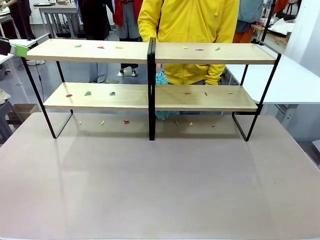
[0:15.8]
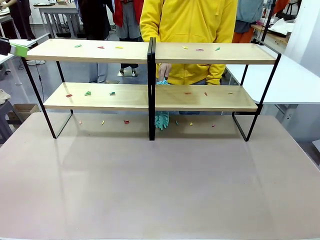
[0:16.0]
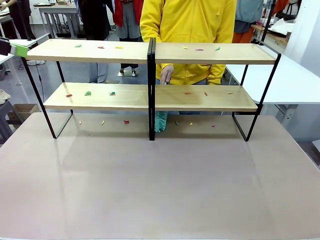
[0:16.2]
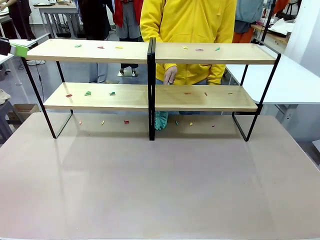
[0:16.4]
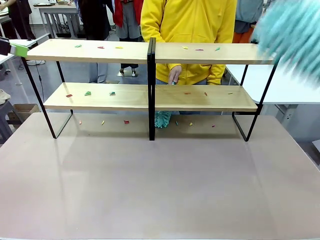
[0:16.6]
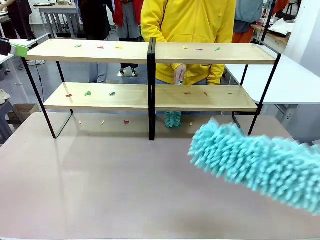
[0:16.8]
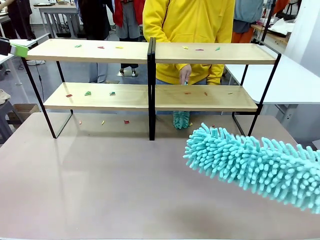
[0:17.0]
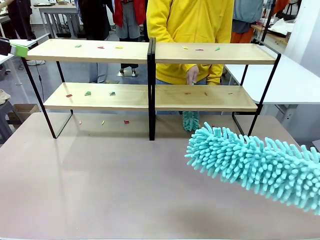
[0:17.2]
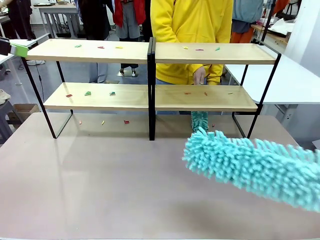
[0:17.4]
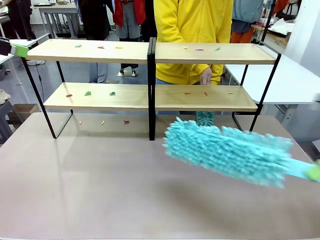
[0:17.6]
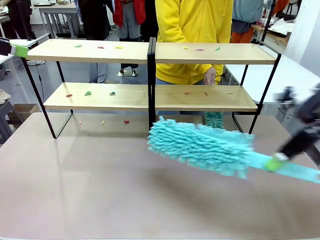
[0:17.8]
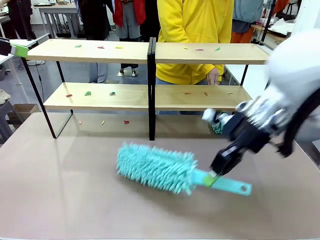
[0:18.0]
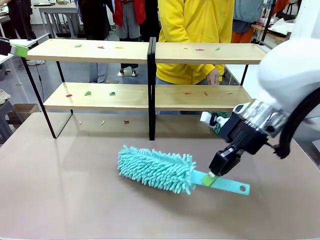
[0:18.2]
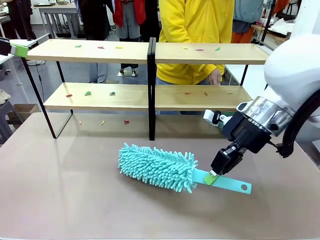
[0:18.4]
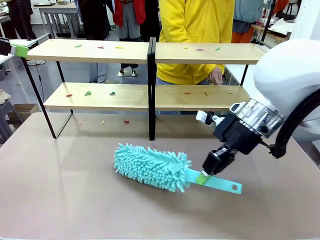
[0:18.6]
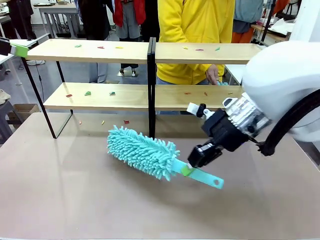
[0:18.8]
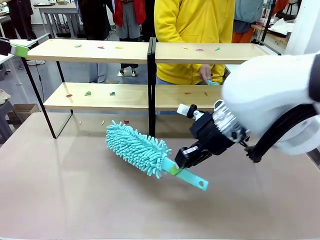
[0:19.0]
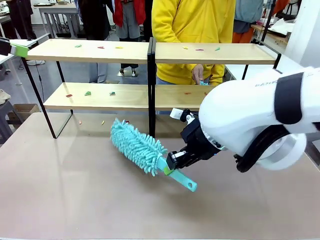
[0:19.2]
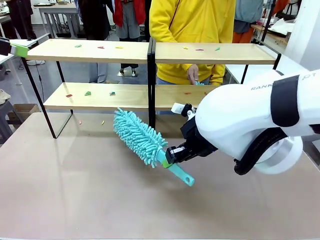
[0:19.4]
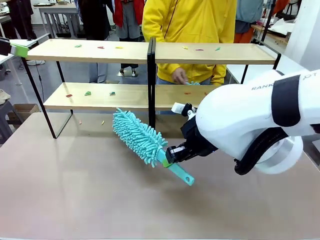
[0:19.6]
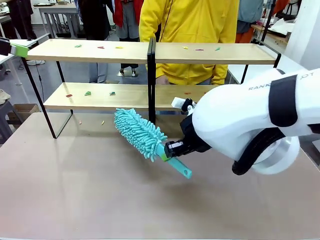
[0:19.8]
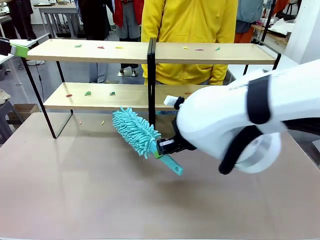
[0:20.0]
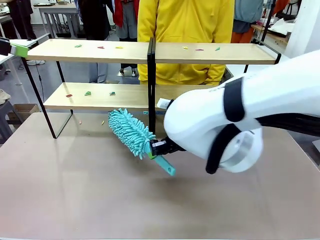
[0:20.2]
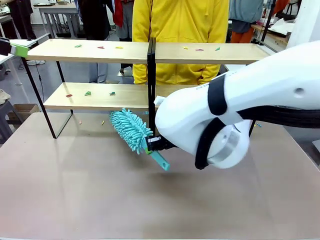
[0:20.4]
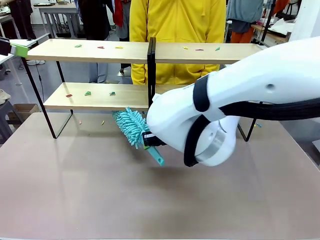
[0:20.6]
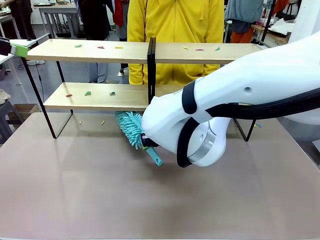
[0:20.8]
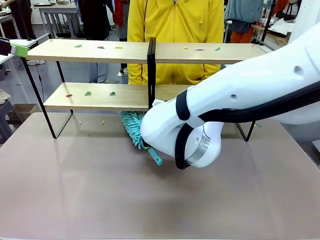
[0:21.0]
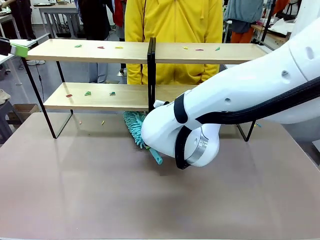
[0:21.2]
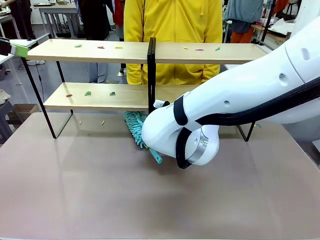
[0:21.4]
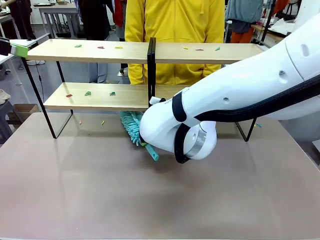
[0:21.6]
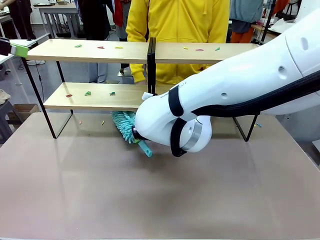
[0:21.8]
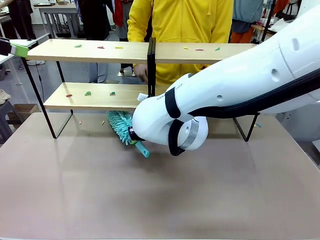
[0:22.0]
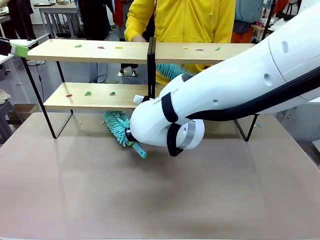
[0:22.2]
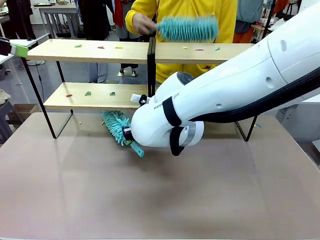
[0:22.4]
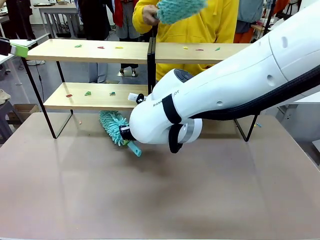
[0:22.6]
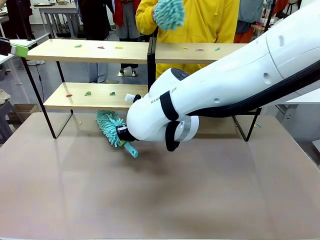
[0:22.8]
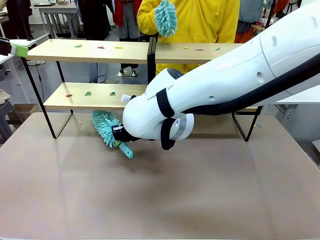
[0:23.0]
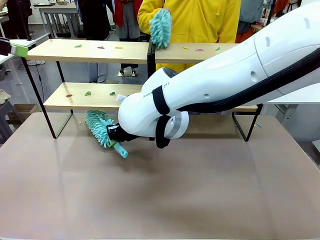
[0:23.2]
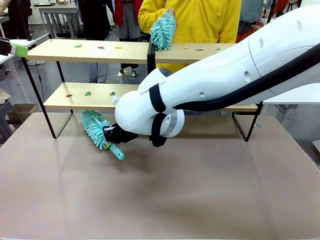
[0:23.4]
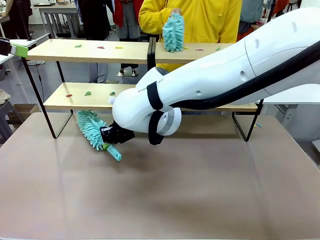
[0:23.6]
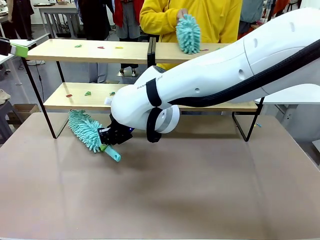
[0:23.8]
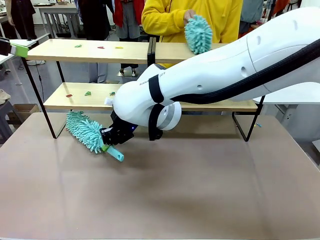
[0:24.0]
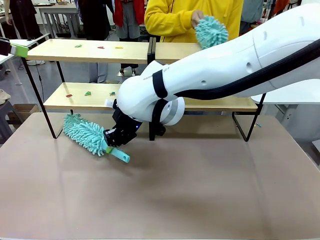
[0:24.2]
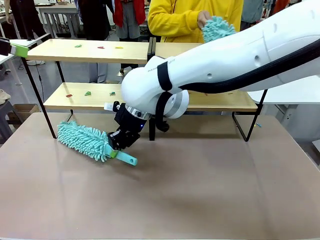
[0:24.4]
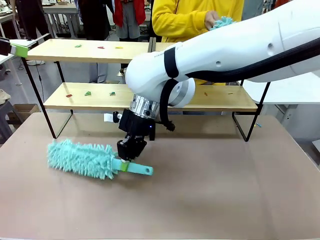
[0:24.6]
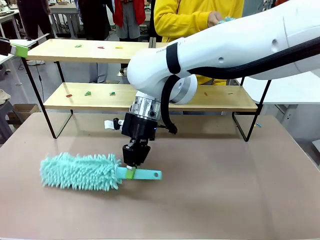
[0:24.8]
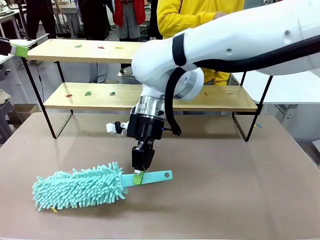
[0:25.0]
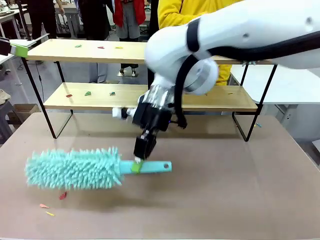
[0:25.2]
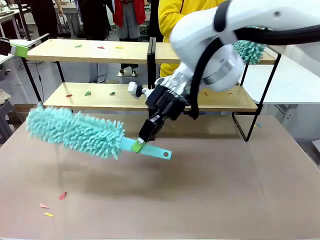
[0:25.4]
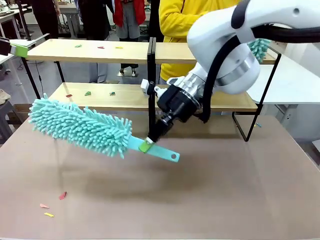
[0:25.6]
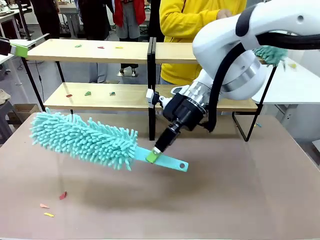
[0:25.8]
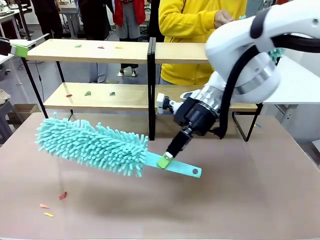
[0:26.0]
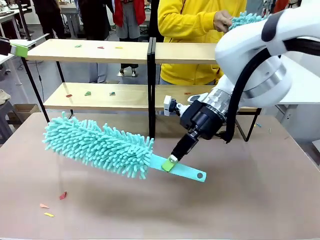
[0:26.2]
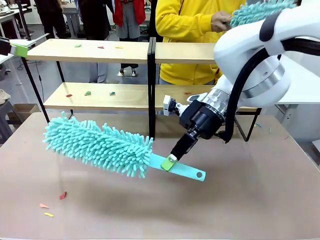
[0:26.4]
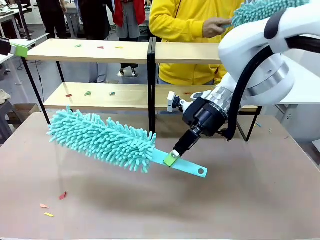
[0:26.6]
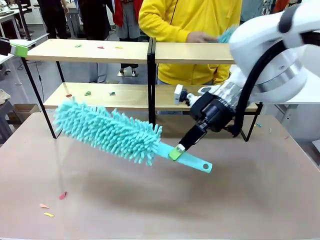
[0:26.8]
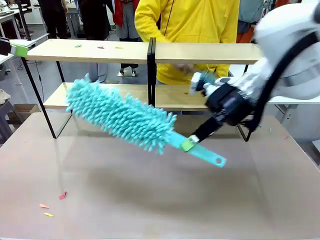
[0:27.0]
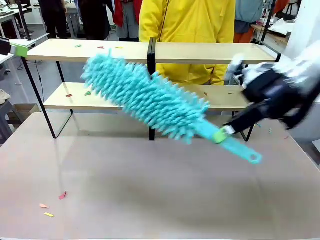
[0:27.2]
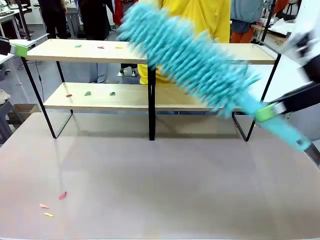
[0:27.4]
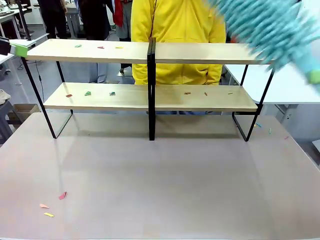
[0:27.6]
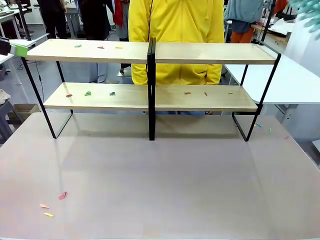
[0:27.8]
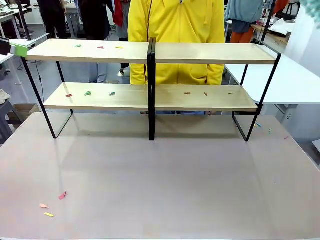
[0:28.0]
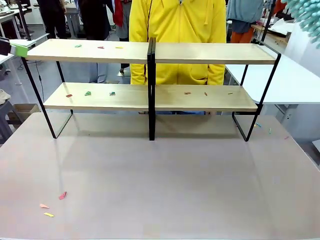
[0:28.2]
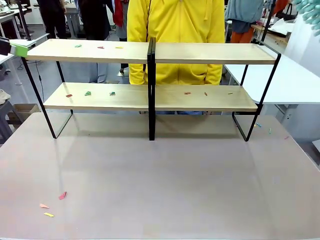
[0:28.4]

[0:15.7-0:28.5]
Task: Clean the shelves.
Robot: Clean a randomly selected level of the Shelf with the Duster.

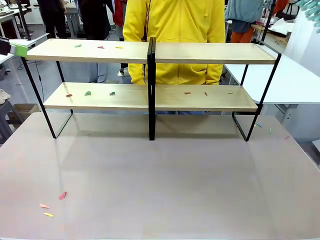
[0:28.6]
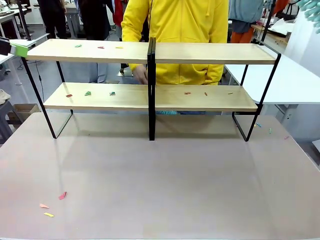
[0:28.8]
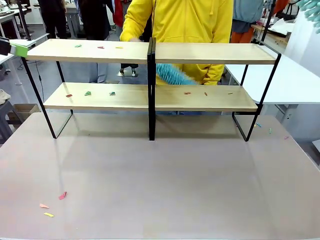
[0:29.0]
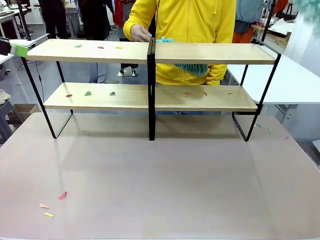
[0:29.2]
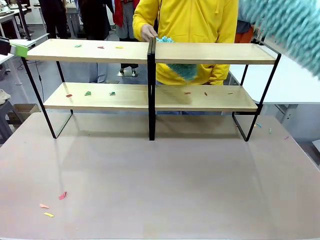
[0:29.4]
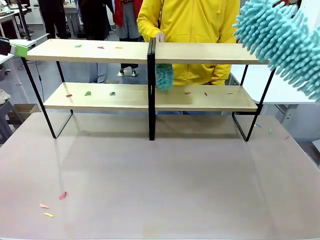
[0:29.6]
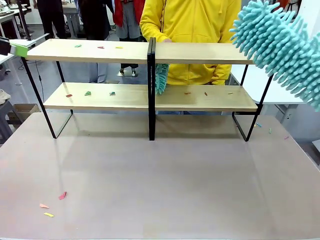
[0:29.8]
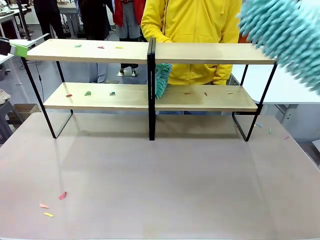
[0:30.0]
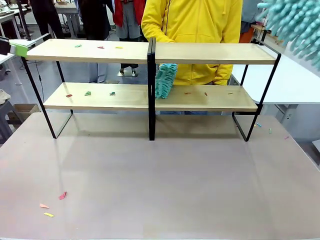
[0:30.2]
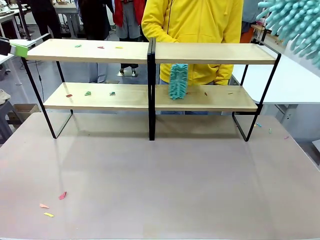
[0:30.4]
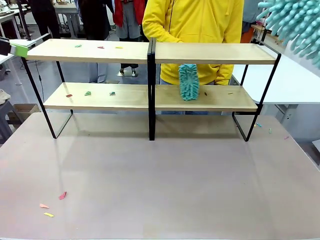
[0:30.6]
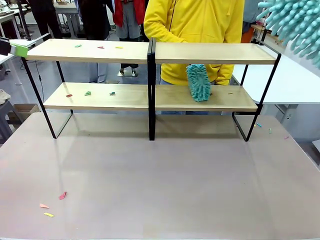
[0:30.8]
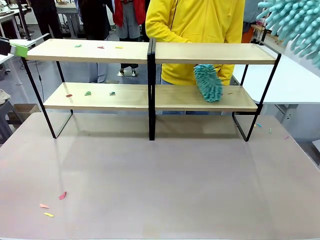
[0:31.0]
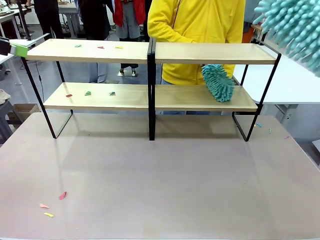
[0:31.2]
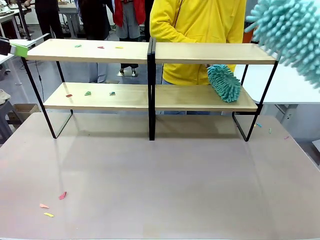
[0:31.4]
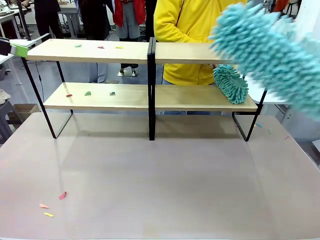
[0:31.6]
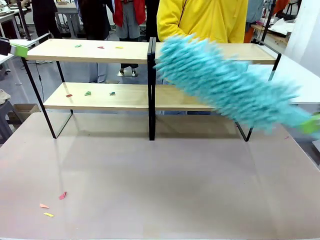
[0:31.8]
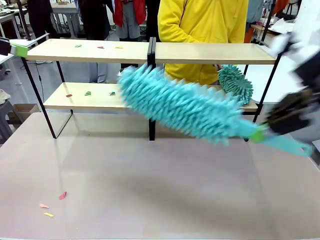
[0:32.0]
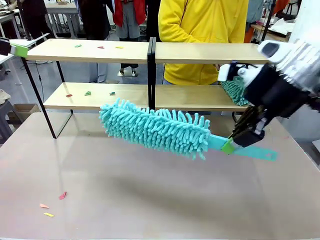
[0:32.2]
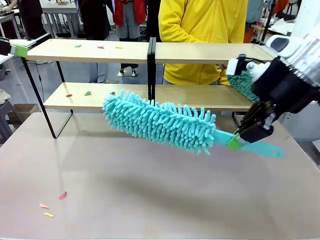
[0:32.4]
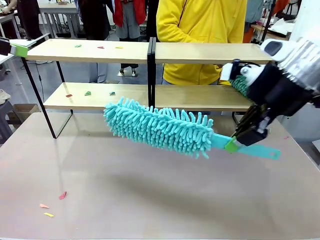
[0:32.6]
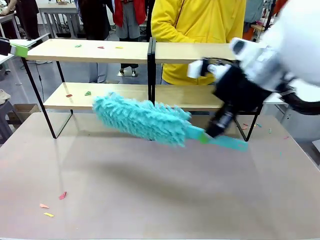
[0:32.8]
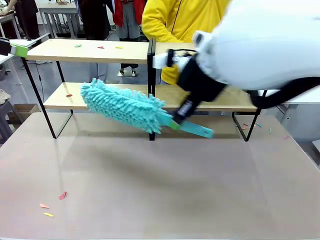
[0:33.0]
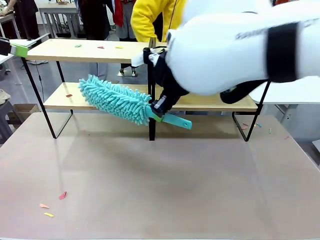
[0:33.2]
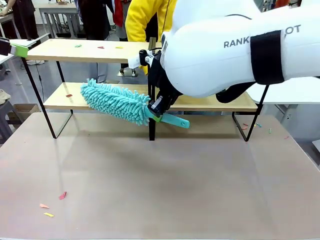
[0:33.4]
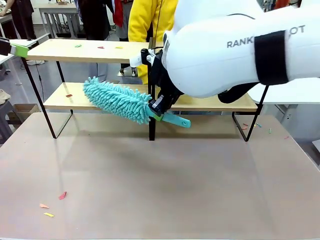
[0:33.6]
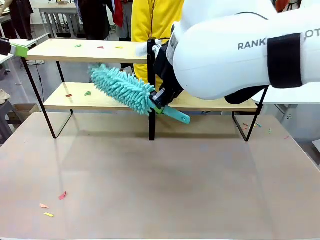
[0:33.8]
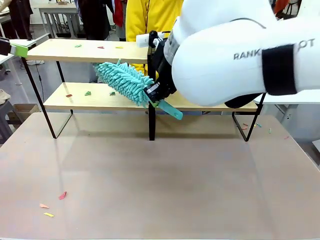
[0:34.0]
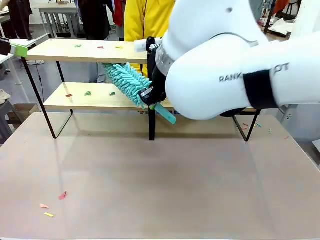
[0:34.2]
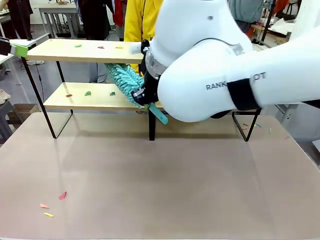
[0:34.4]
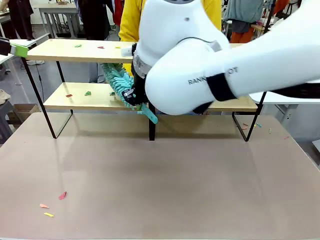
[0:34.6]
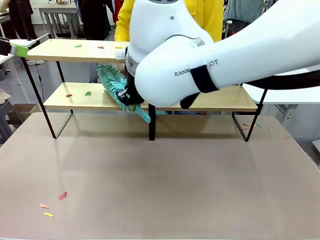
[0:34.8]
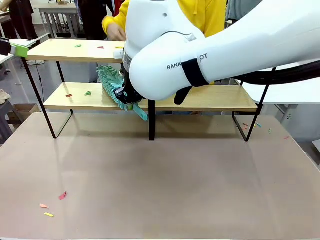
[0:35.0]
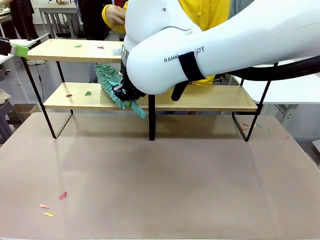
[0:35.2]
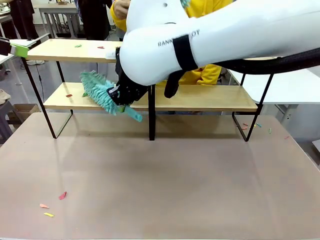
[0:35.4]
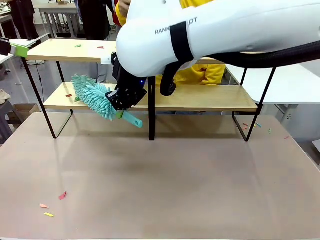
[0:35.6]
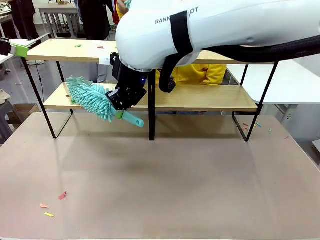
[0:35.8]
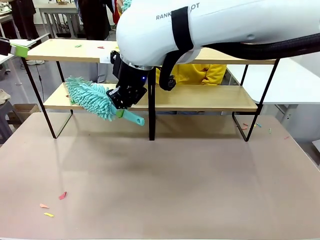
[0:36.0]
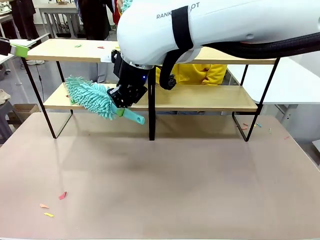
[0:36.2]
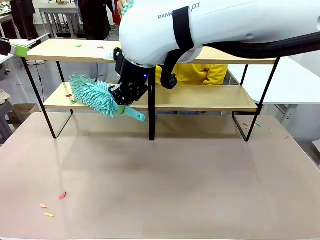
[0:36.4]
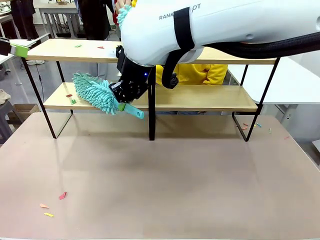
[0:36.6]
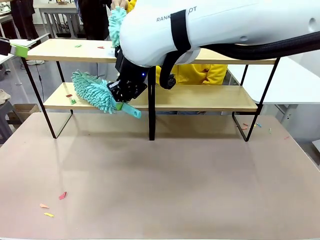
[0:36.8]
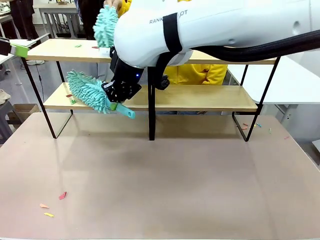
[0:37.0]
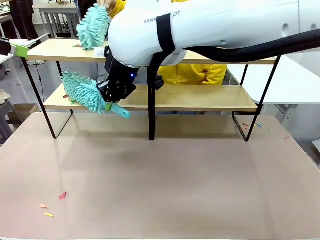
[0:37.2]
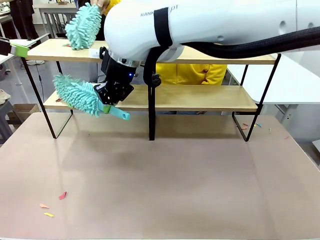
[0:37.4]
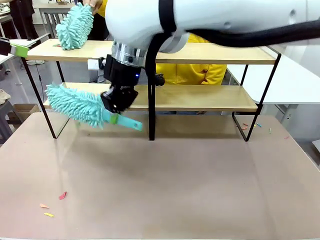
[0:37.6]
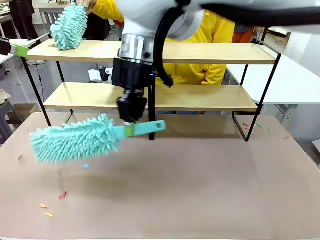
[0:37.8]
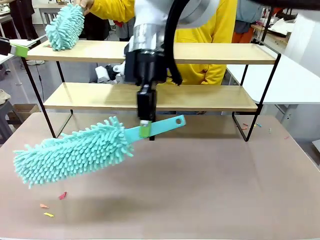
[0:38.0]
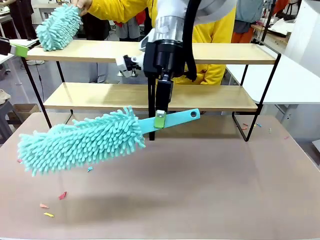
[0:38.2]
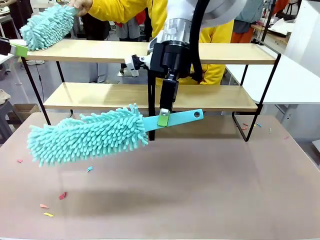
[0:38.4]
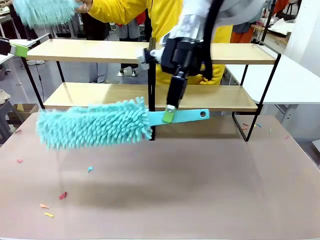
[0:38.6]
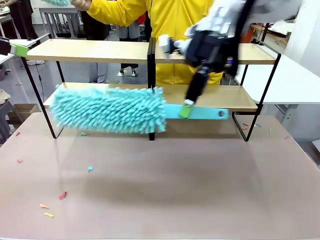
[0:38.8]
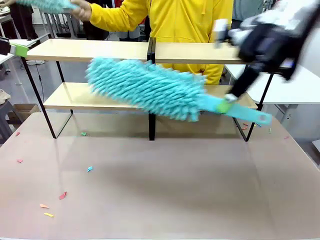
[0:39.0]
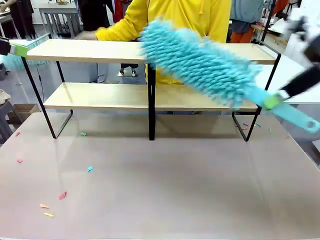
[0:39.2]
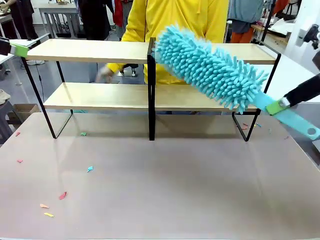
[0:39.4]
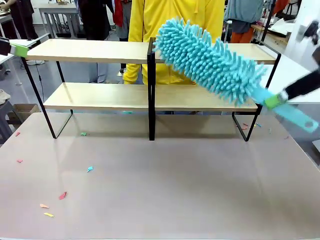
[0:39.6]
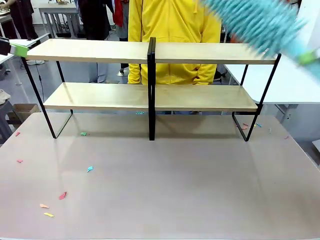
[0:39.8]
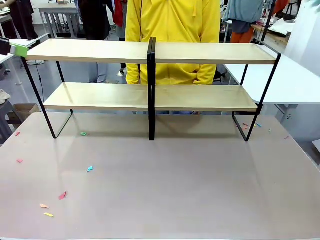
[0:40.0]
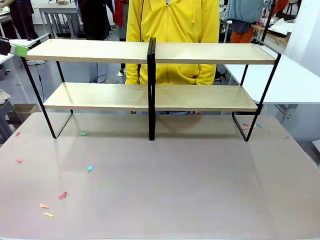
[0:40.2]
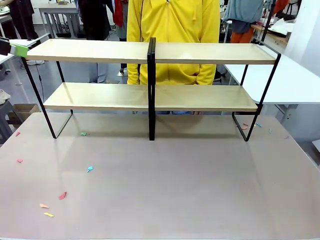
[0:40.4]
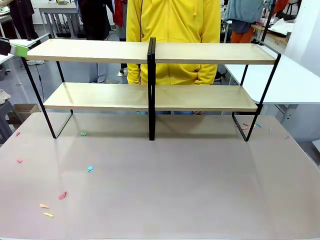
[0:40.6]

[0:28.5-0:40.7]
Robot: Clean another randomly selected level of the Shelf with the Duster.
